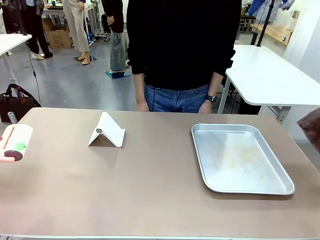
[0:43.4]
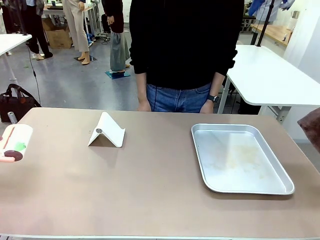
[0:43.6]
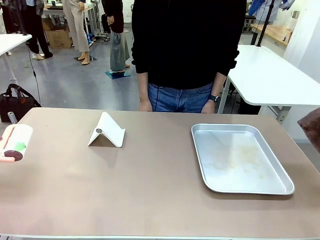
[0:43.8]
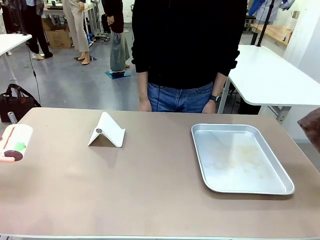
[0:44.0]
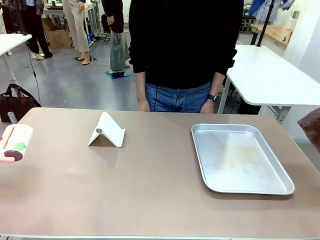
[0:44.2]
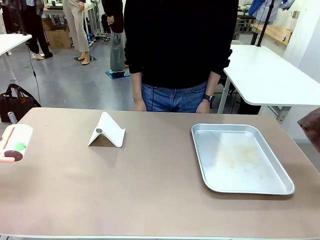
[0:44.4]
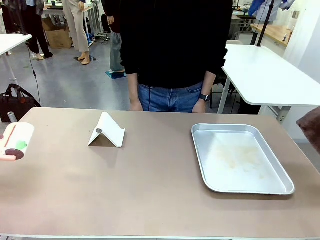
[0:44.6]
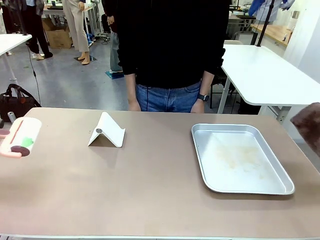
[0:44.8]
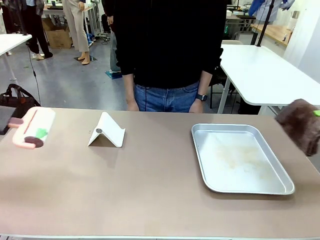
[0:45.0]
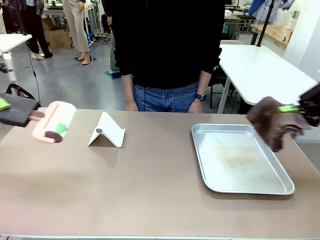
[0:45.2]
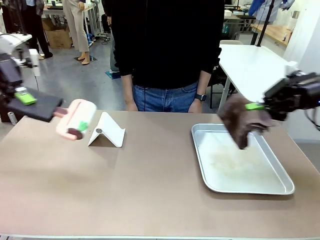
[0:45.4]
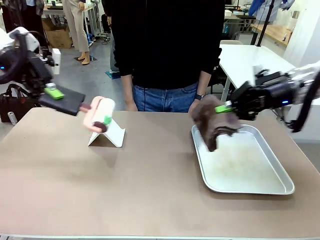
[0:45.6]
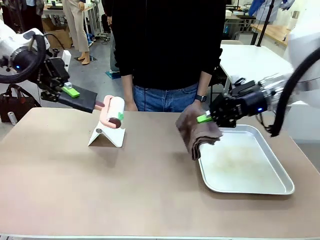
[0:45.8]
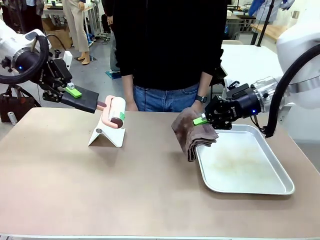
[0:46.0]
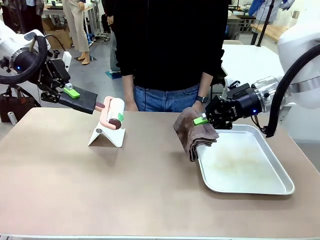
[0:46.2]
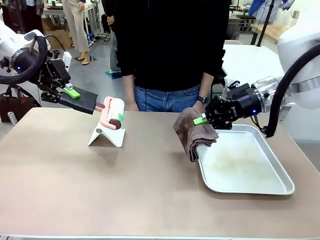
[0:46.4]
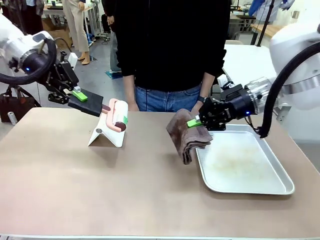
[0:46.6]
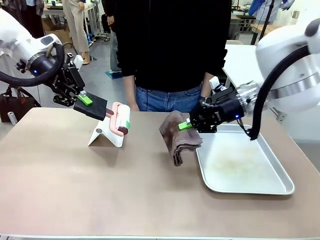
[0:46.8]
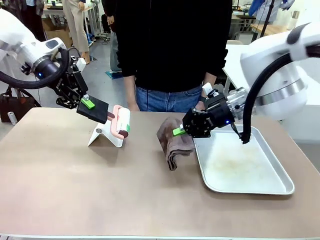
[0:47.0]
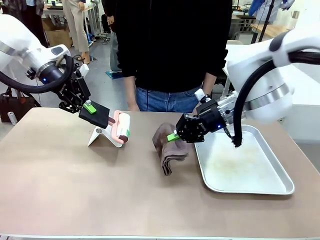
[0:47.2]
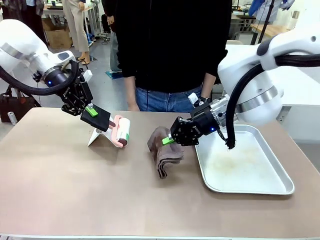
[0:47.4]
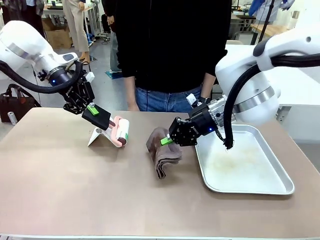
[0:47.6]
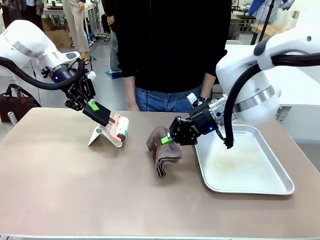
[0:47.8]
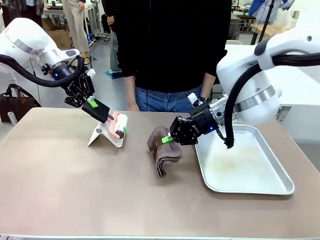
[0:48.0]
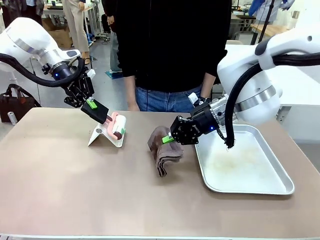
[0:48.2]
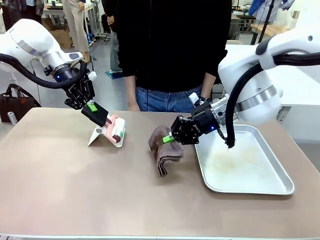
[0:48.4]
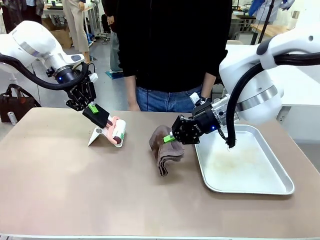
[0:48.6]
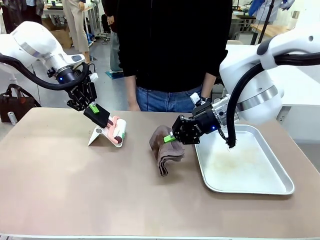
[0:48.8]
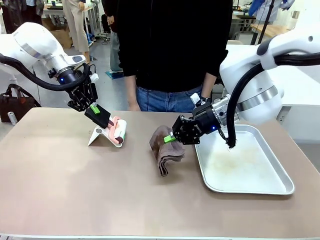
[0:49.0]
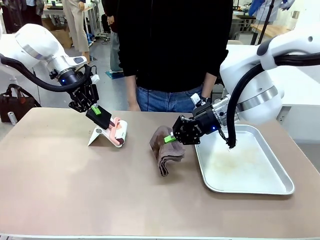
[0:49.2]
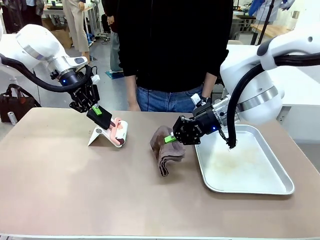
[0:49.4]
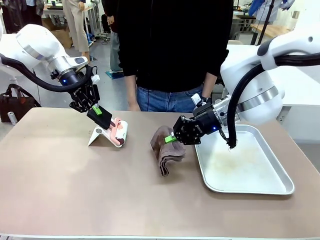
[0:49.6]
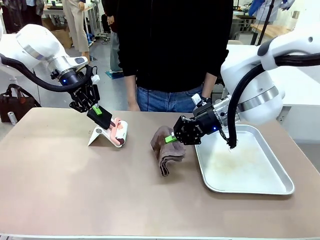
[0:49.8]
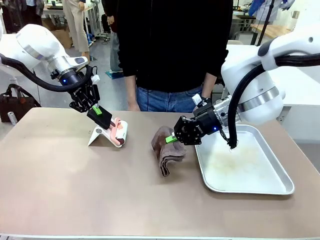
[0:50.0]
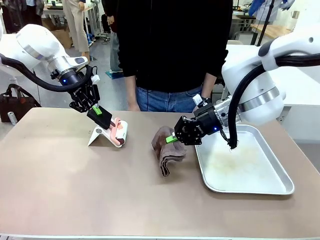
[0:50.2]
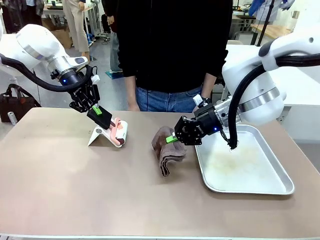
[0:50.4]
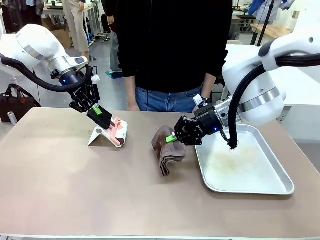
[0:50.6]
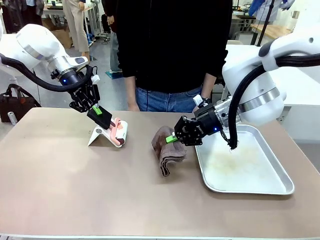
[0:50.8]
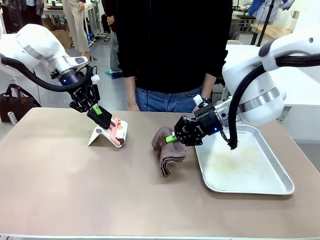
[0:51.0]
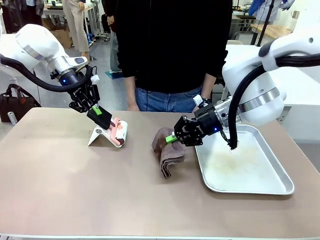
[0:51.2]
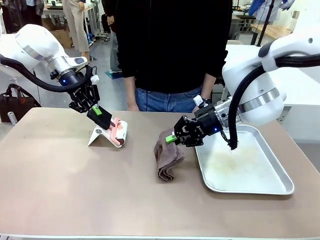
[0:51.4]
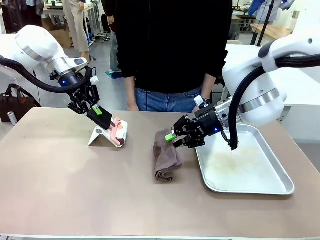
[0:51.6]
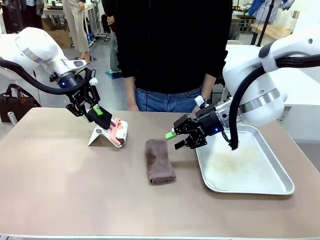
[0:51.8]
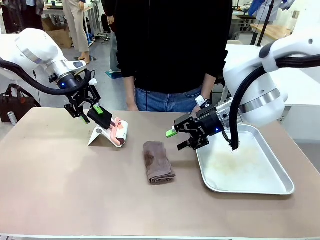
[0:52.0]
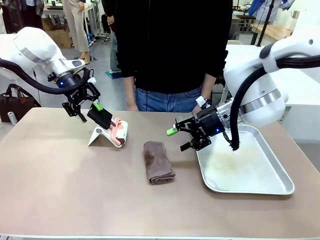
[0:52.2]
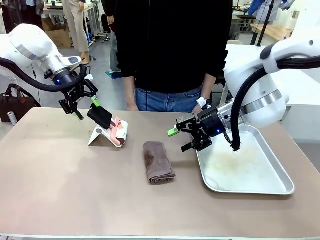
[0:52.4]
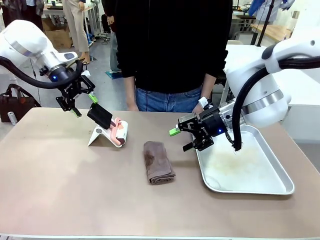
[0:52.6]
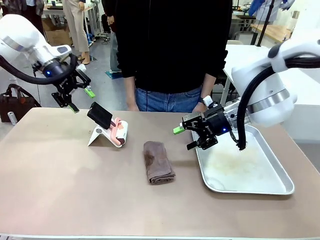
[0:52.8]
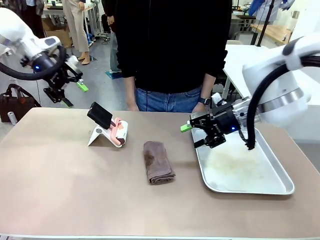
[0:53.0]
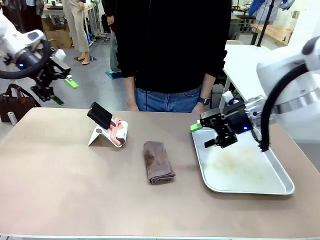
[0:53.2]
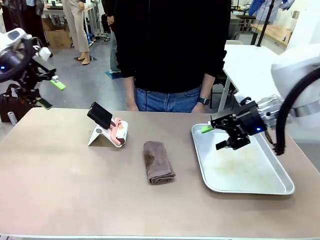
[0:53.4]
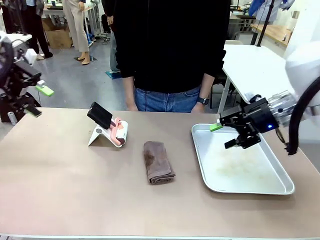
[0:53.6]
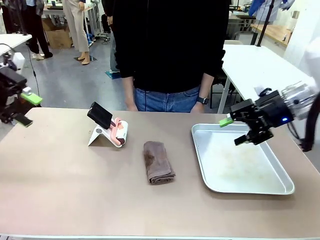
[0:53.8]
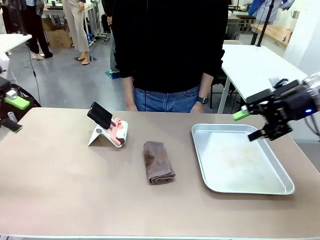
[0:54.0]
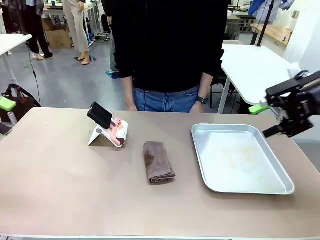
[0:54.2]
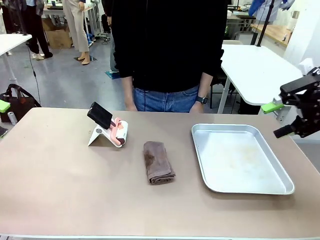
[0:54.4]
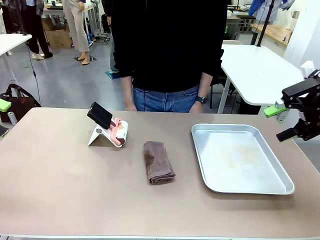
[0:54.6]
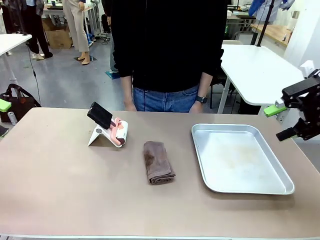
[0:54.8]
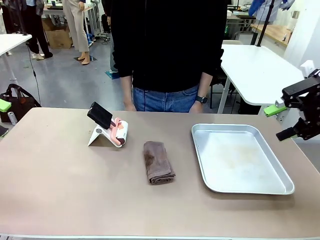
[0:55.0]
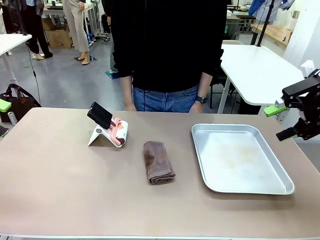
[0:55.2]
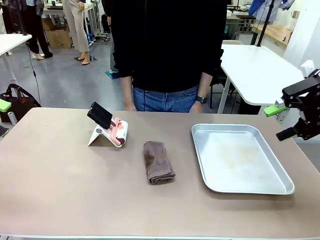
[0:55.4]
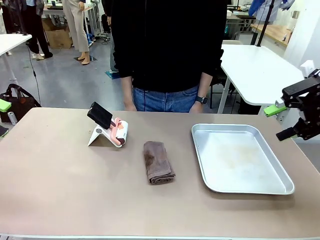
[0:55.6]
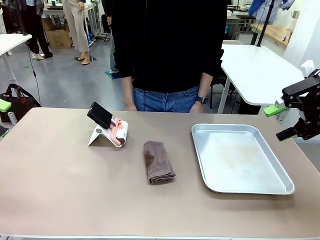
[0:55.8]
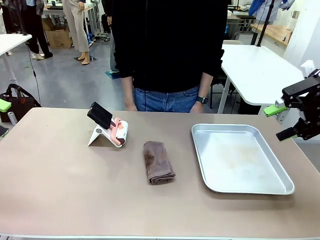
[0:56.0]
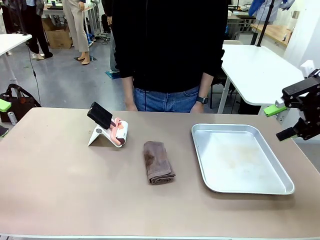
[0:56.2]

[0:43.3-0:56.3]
Task: Clean the surface of the table.
Robot: Return the Lint Roller and towel to their original positions.

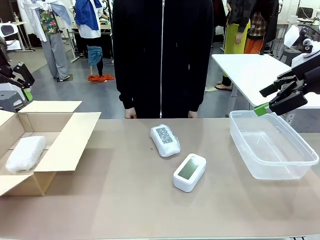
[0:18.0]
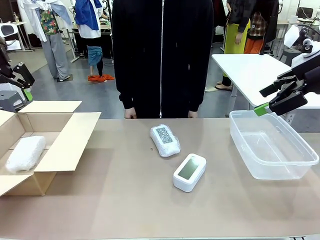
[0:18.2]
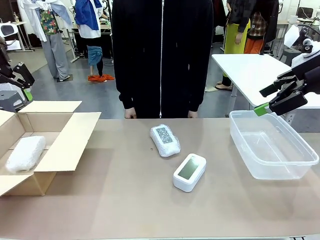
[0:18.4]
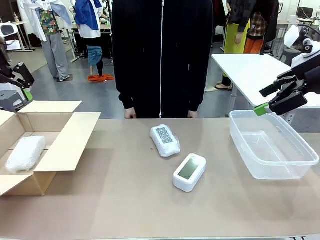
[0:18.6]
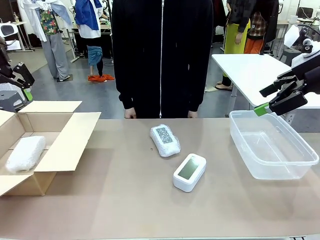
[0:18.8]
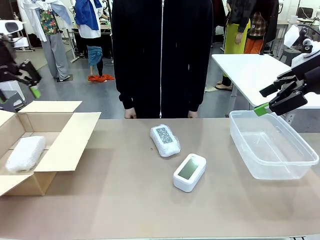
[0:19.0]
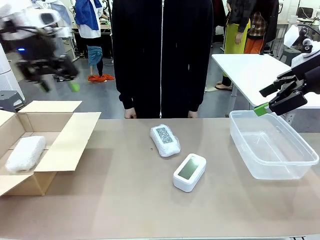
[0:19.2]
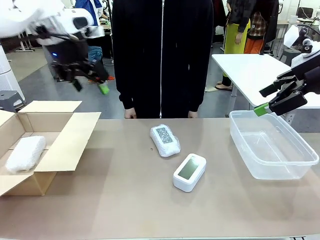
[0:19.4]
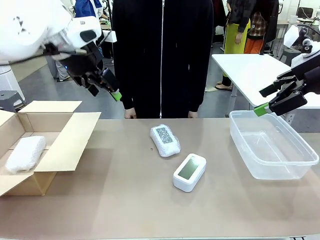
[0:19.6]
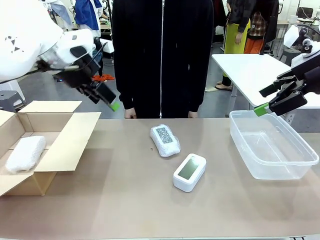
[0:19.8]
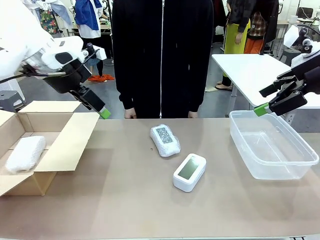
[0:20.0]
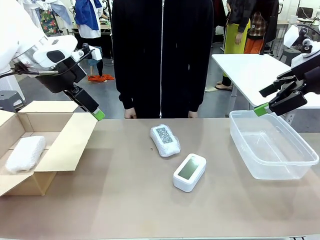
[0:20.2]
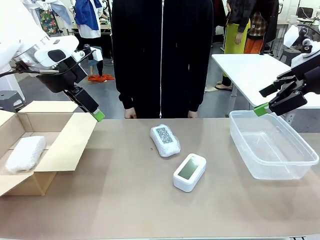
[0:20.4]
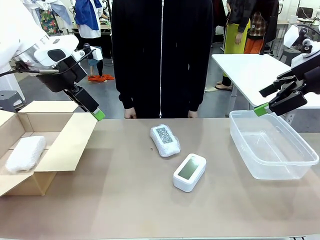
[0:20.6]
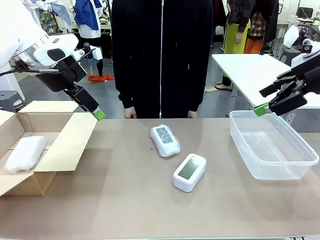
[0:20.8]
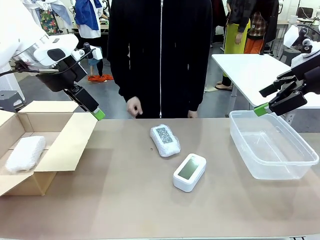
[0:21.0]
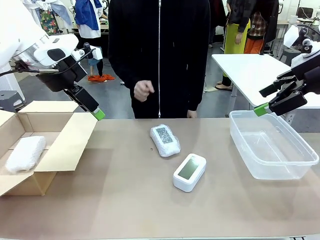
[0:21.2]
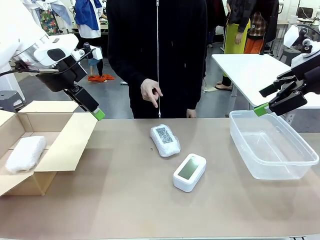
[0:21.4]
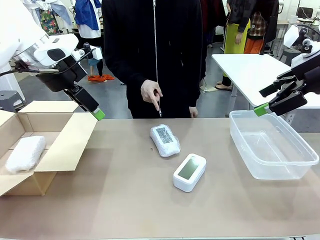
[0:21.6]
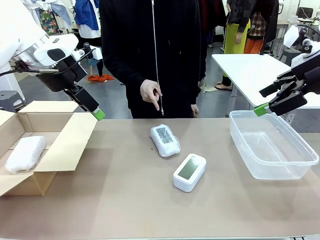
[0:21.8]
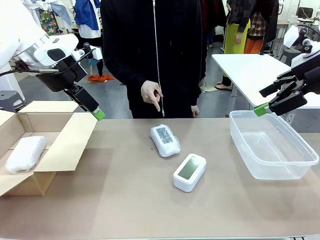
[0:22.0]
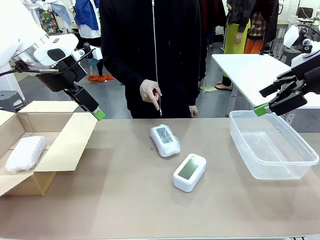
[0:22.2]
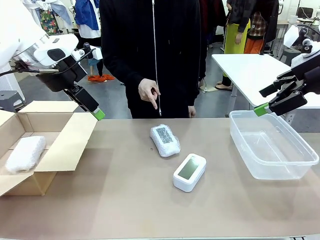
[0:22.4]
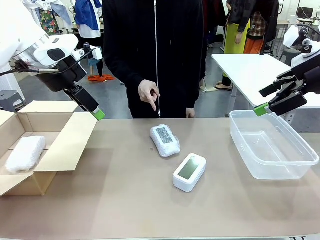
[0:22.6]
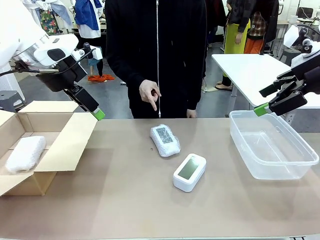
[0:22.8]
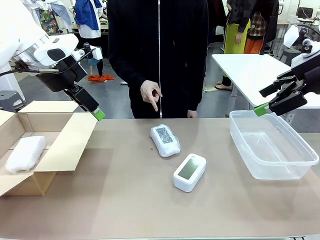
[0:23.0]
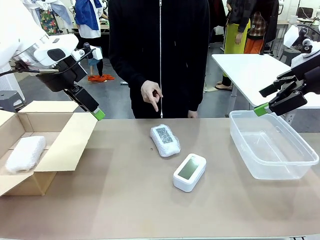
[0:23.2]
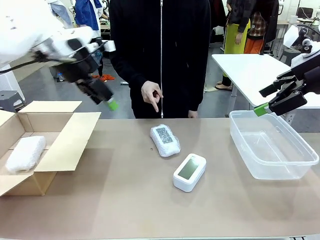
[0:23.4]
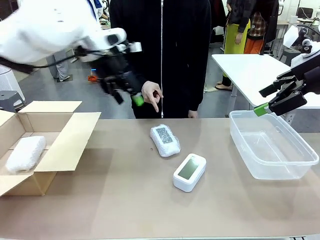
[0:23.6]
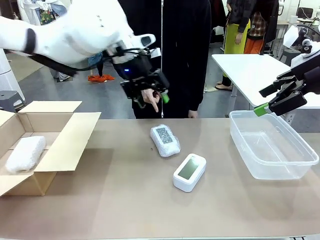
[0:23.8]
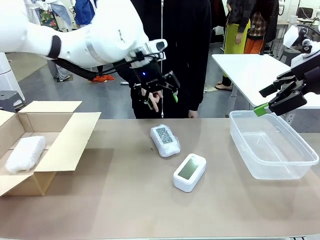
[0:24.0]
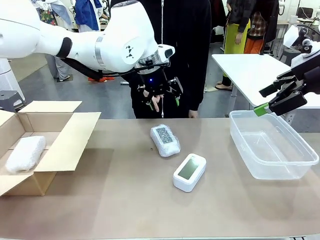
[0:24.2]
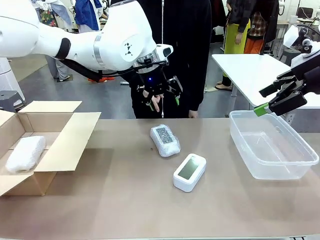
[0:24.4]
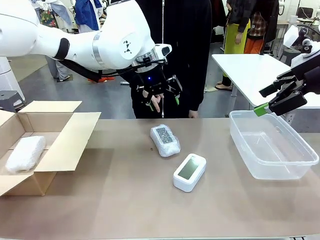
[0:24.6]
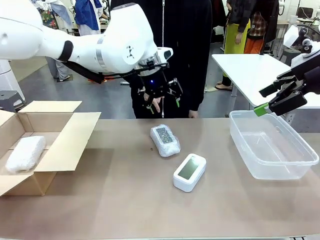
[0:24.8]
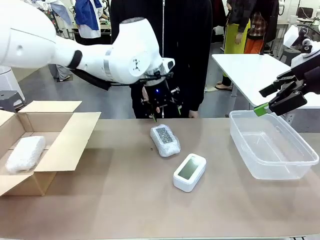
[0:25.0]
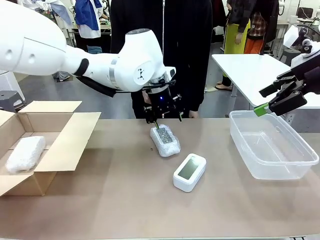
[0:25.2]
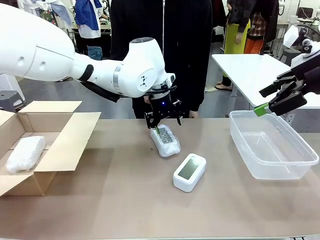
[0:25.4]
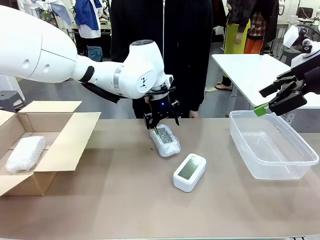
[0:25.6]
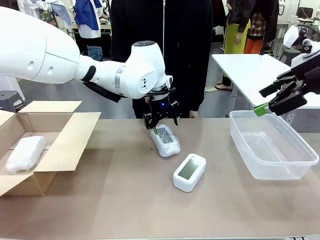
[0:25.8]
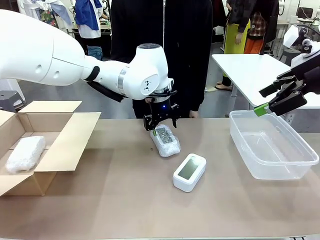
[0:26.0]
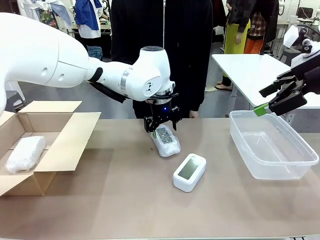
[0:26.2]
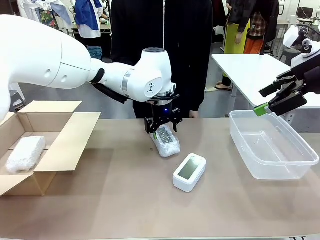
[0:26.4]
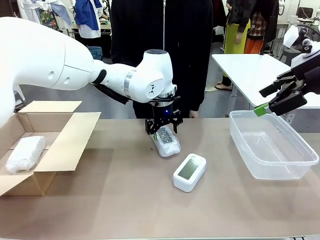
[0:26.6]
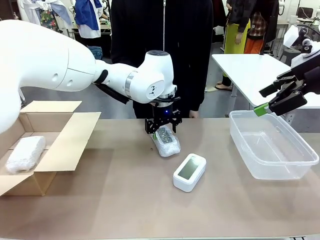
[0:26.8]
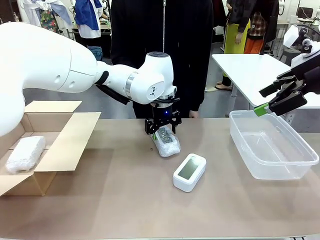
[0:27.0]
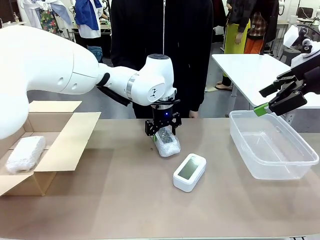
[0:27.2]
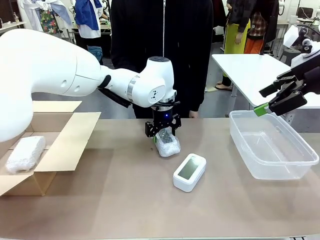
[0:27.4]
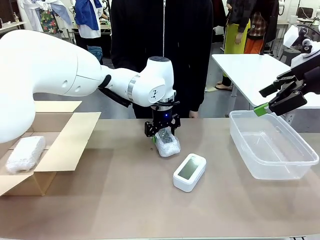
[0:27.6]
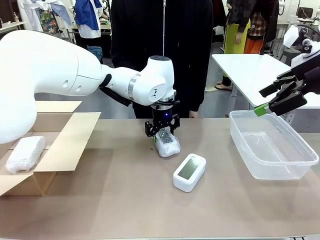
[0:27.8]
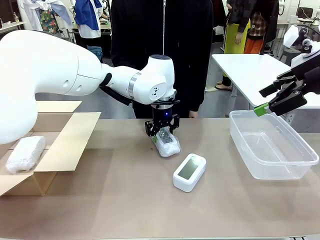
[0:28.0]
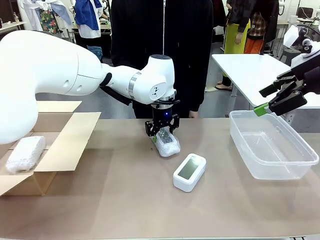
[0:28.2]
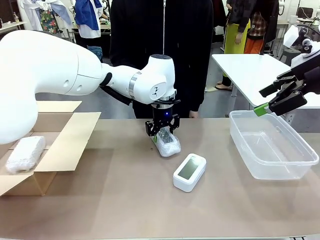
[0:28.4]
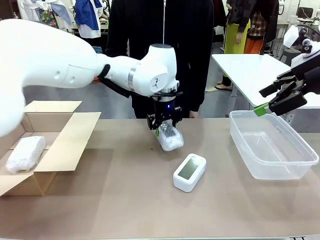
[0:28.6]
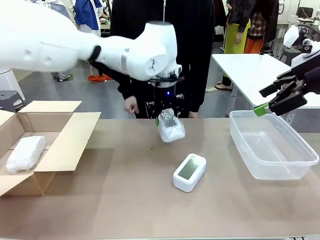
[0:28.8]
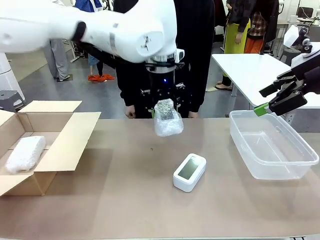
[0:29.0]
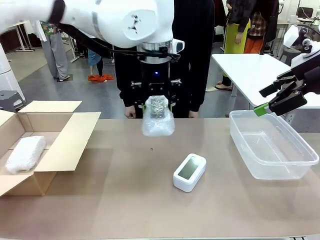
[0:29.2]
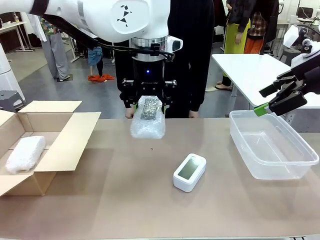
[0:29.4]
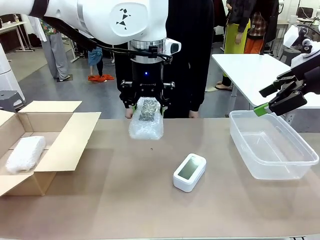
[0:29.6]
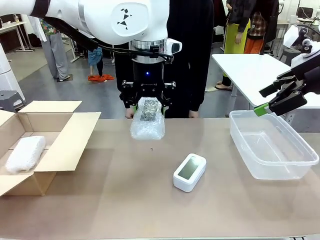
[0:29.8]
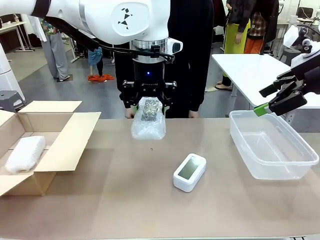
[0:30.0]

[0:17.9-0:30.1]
Task: Separate and place wrapped and unwrapped clocks.
Robot: Pick up the Digital clock indicated by the person.
